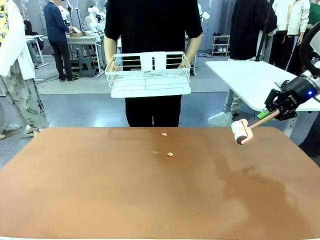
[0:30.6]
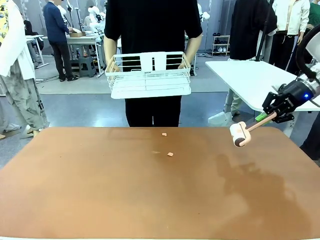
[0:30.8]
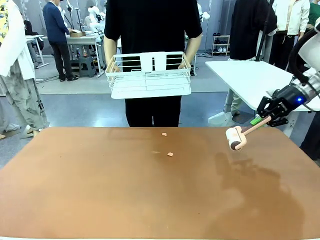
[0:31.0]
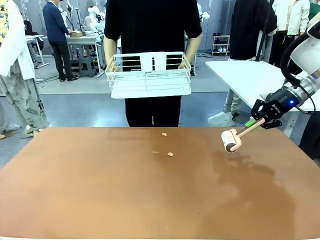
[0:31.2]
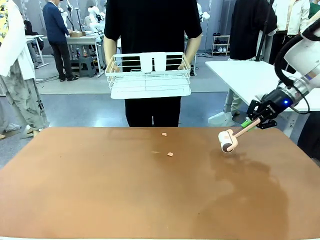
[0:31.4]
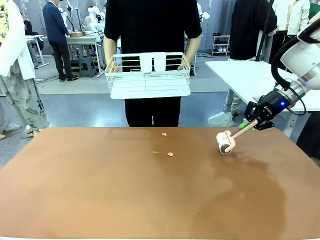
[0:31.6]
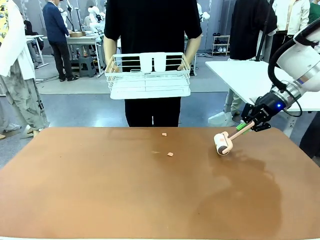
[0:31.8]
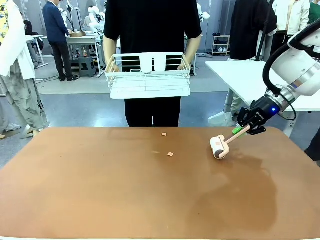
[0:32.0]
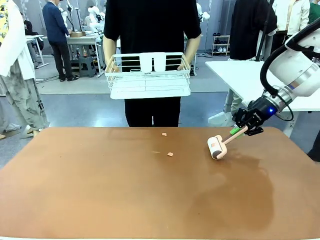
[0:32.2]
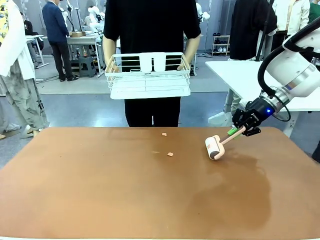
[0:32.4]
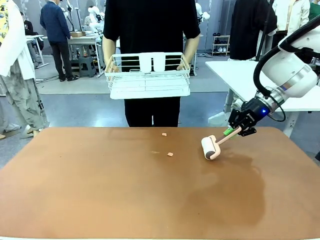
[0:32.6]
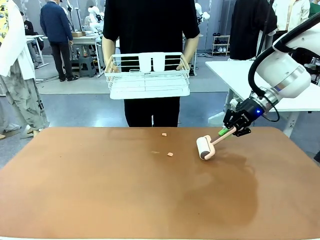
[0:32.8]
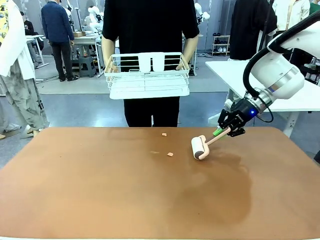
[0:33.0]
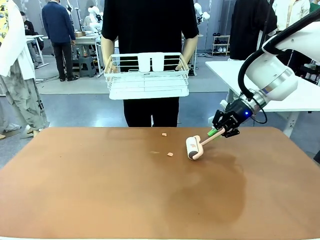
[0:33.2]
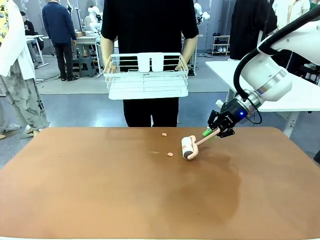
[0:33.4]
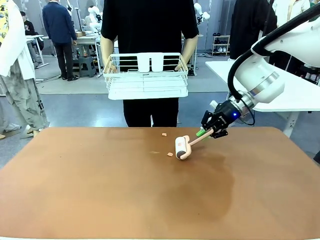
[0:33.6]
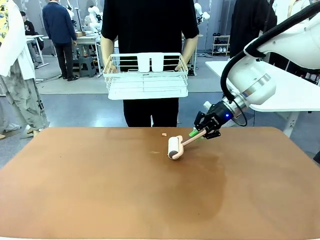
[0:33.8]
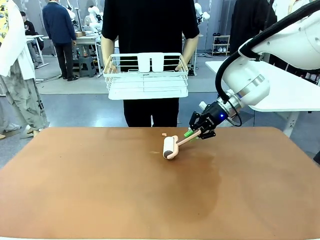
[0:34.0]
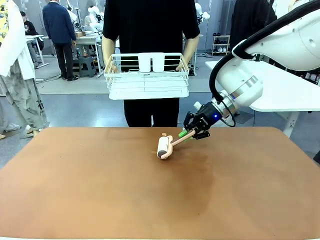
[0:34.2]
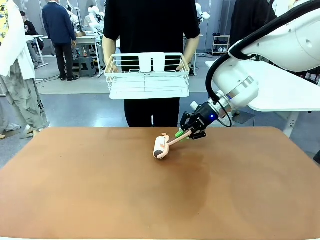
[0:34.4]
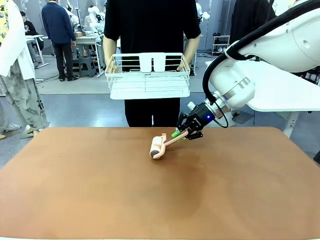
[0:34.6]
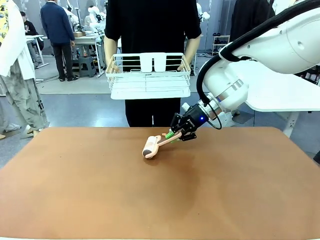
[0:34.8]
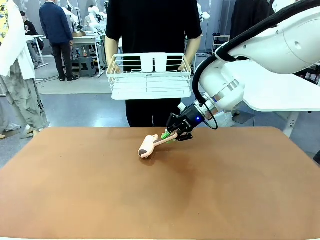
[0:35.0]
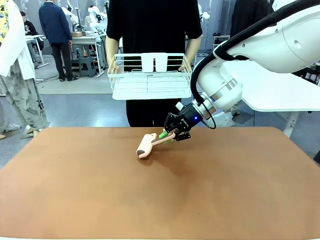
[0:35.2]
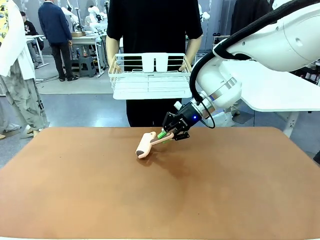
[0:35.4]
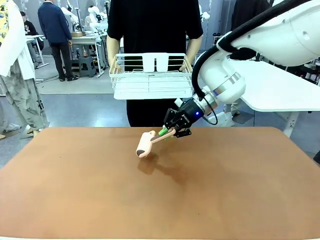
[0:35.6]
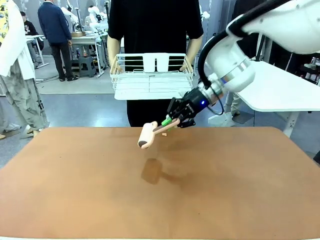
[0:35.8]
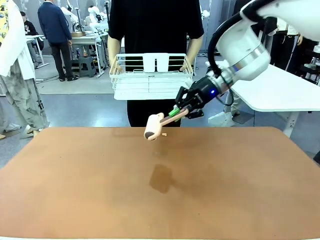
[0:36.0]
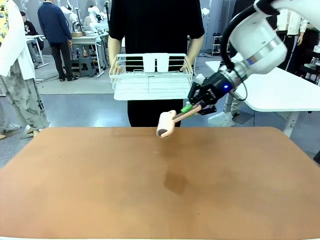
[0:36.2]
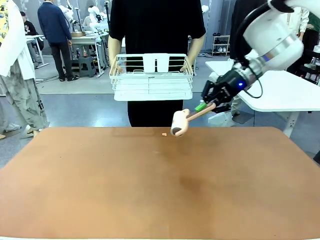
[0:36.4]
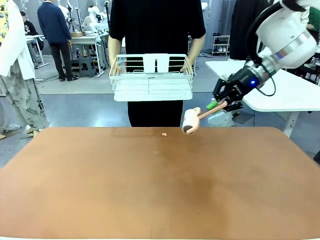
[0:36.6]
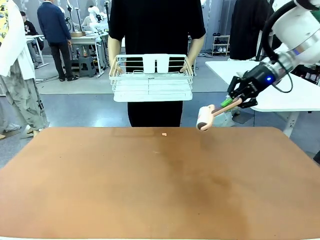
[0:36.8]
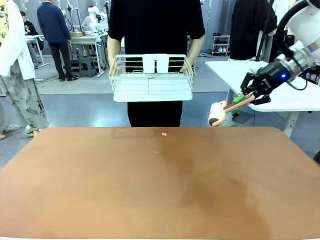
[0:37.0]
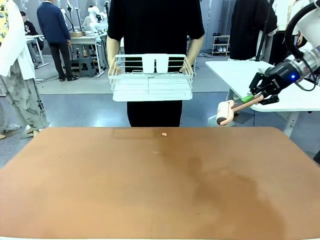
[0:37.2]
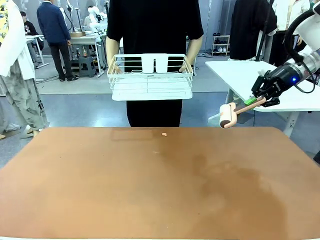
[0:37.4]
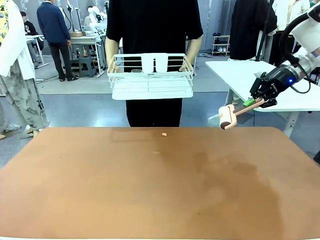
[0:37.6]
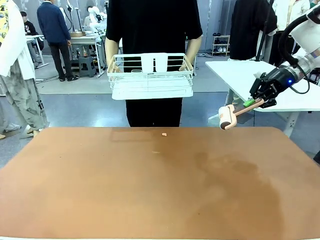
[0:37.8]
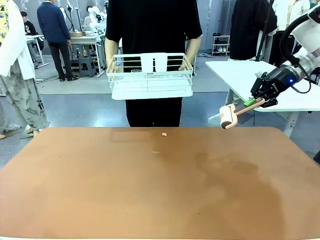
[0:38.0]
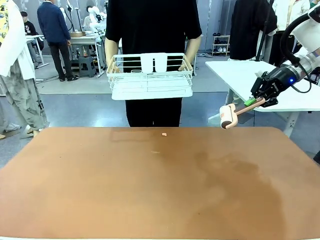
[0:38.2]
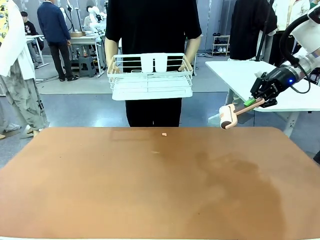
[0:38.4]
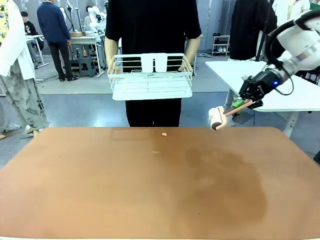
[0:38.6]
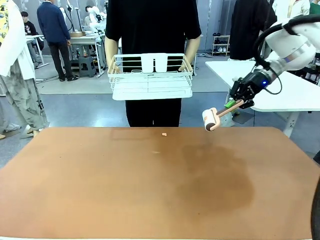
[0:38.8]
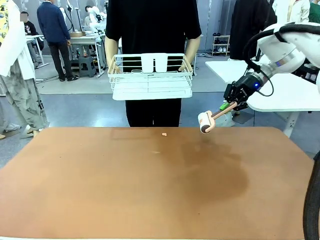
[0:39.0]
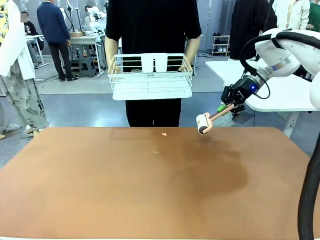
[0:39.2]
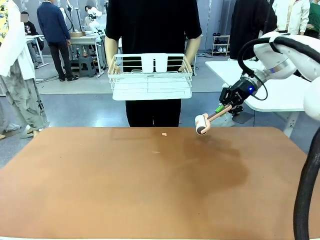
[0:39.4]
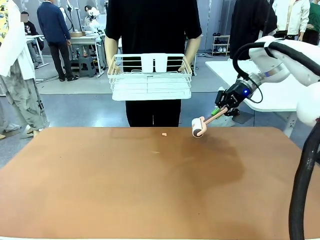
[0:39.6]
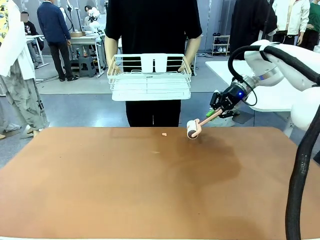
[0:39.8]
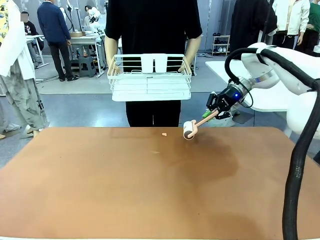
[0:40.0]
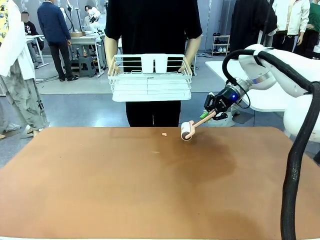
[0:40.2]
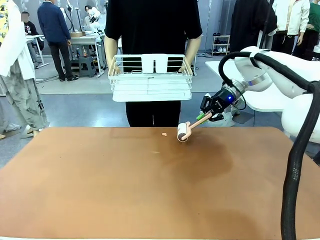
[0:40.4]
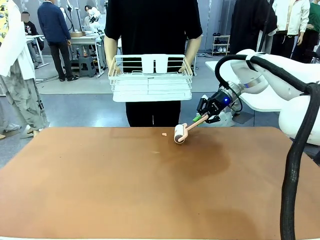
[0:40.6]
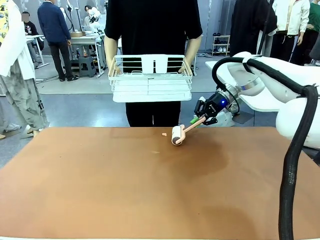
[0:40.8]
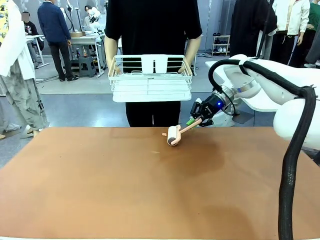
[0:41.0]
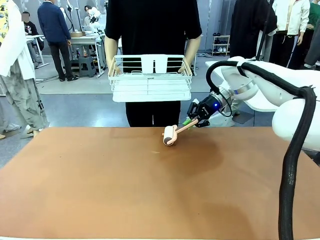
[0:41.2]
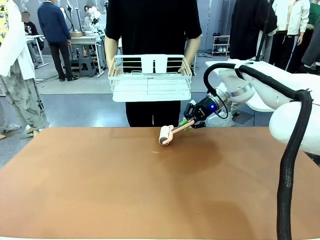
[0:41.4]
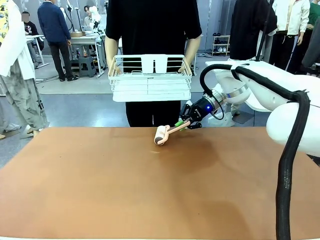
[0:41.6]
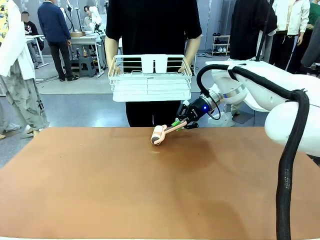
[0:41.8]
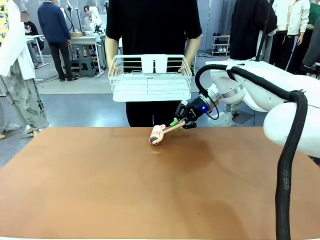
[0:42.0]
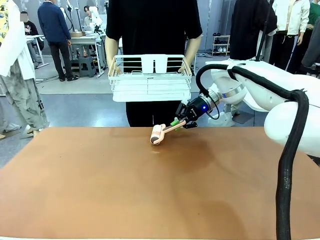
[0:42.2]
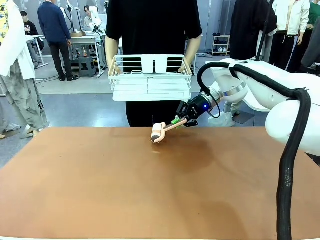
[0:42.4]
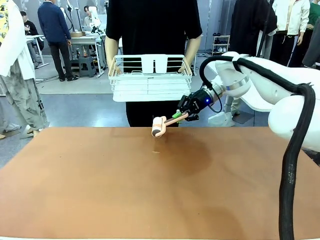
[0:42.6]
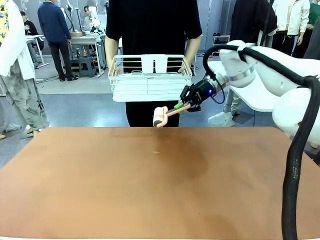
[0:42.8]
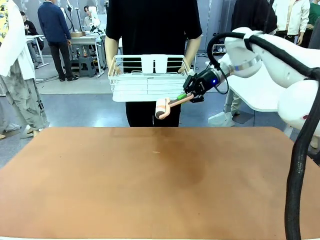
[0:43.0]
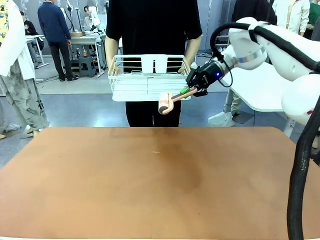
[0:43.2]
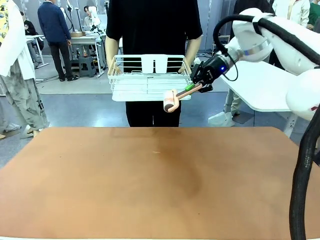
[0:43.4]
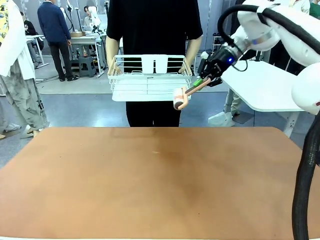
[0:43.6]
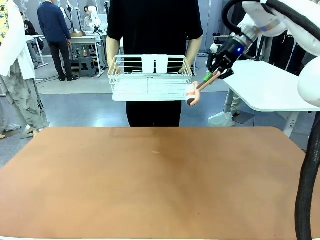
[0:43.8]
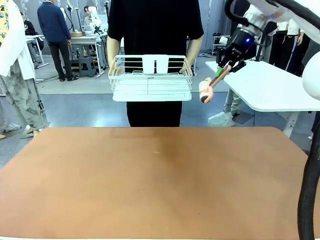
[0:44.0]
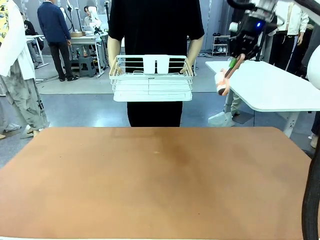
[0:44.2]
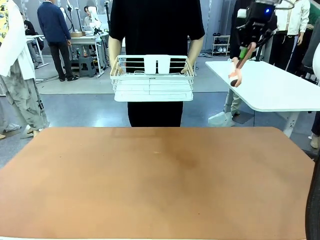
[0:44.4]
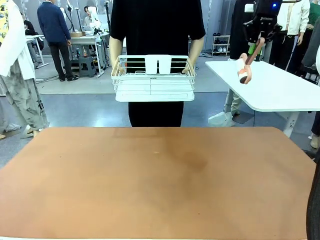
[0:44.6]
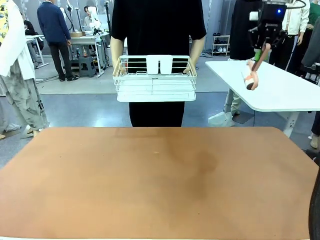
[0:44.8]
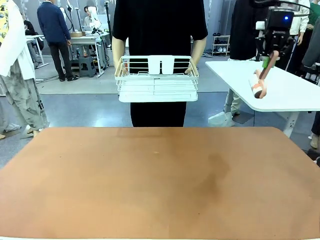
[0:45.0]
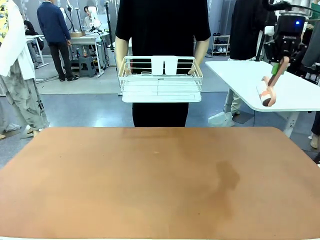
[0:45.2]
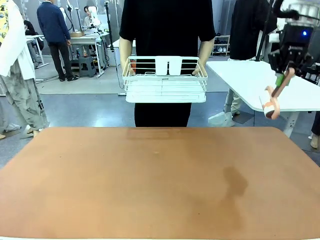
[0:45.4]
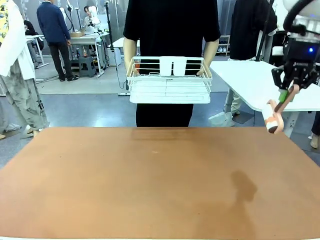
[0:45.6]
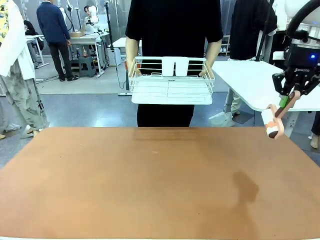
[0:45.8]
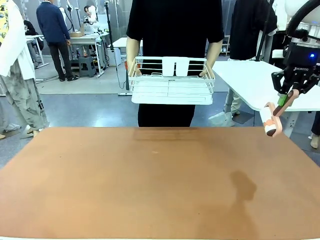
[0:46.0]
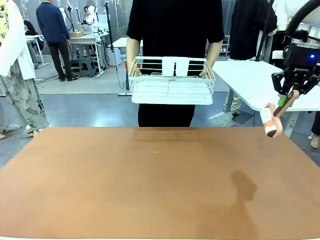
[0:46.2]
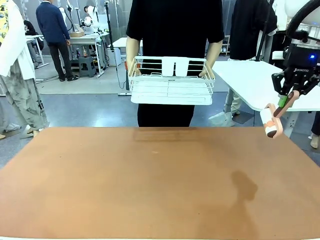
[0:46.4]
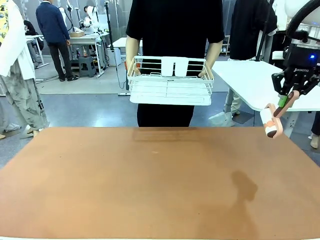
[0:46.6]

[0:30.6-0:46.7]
Task: Clean the table.
Robot: Clean the table with the Lint Roller when the human lifts the Dish drying rack.
